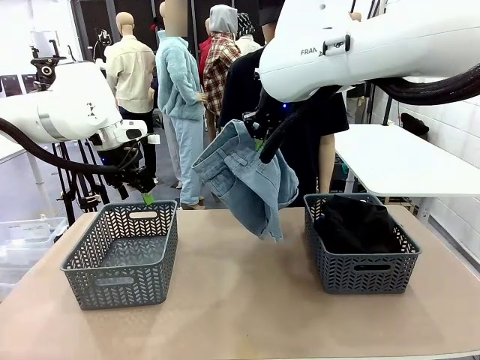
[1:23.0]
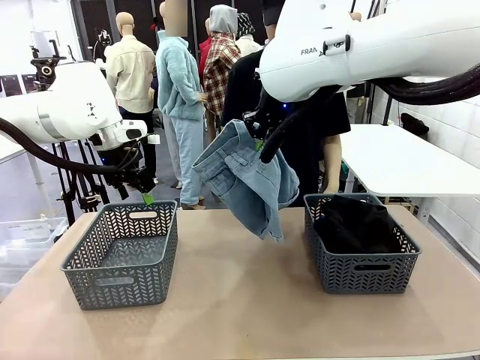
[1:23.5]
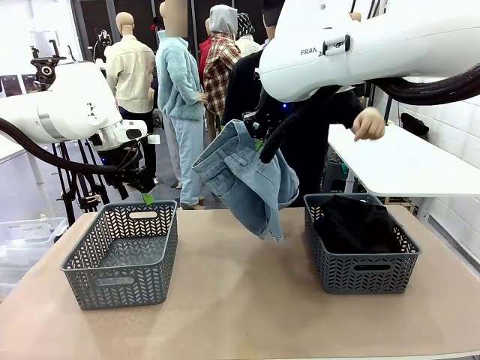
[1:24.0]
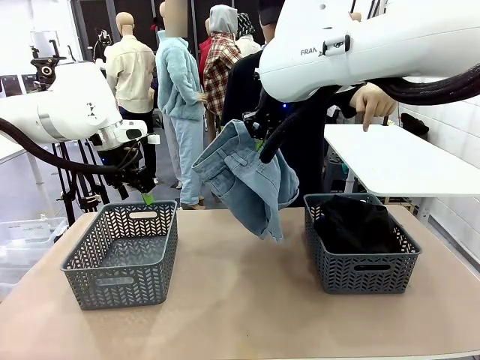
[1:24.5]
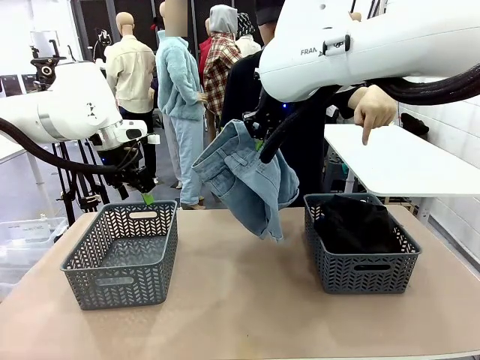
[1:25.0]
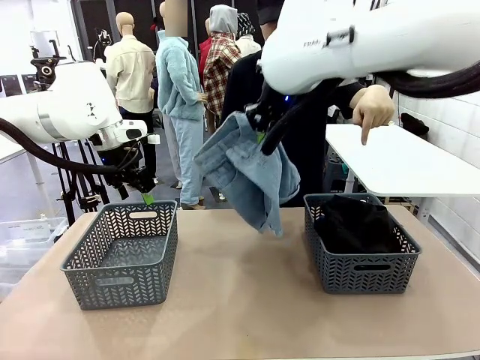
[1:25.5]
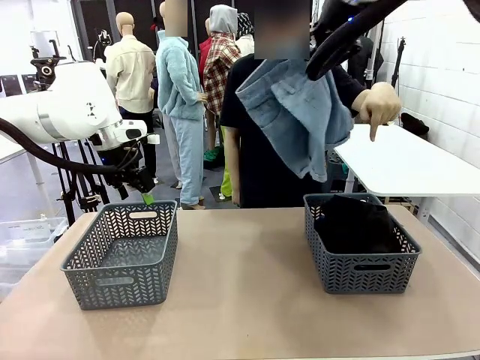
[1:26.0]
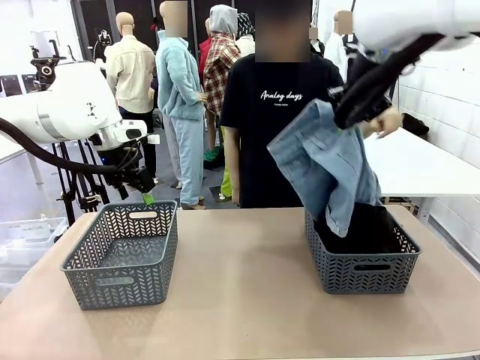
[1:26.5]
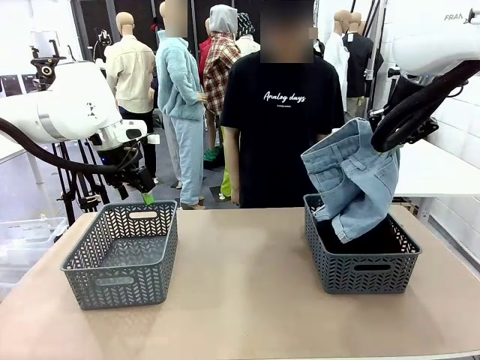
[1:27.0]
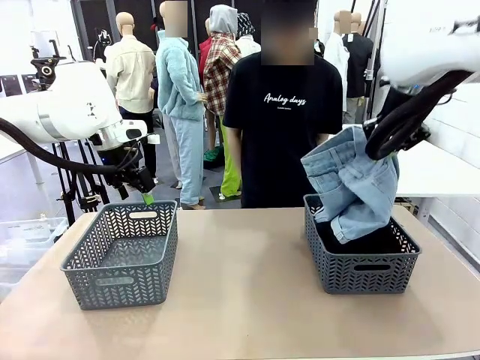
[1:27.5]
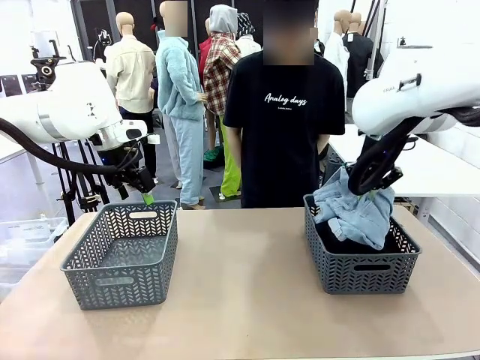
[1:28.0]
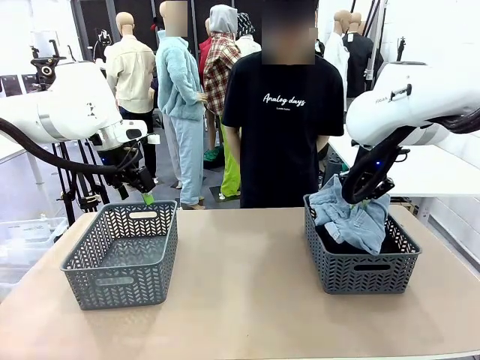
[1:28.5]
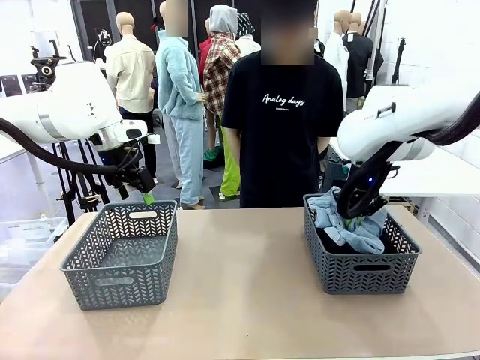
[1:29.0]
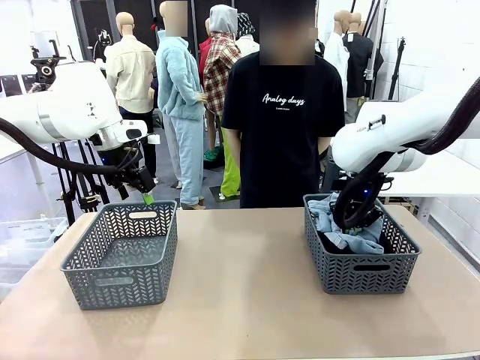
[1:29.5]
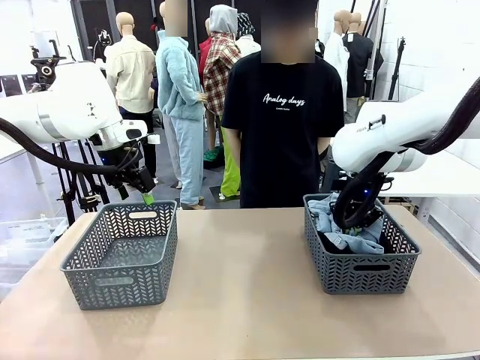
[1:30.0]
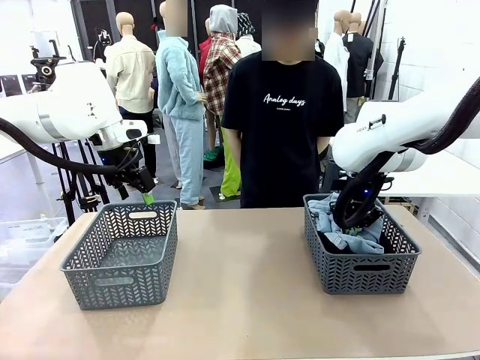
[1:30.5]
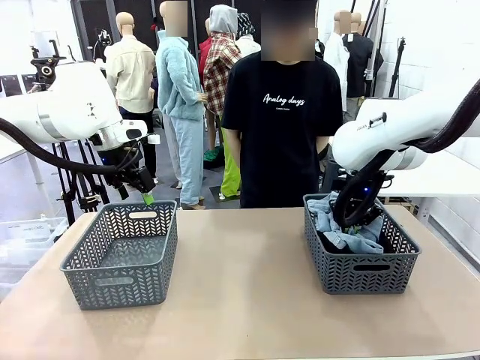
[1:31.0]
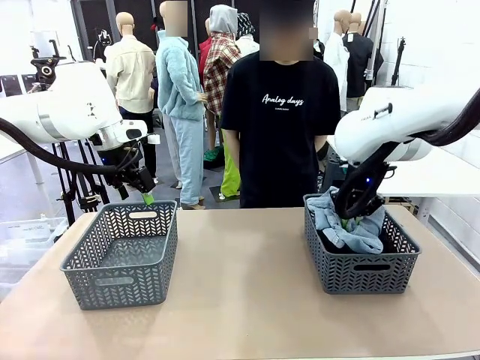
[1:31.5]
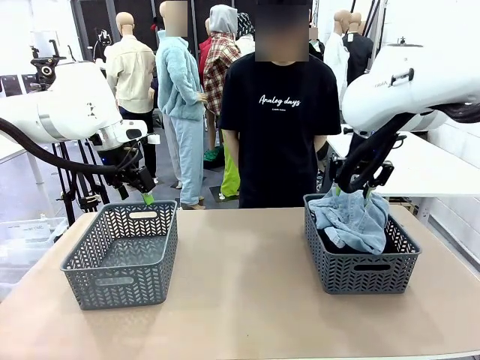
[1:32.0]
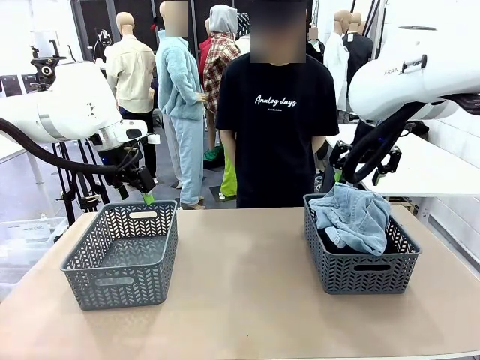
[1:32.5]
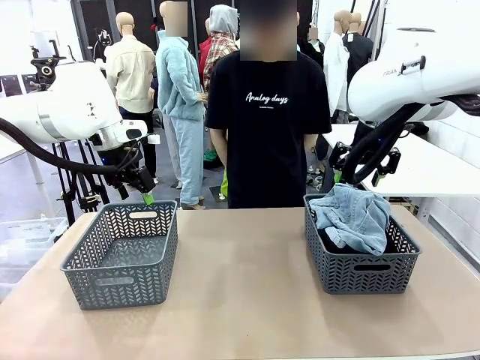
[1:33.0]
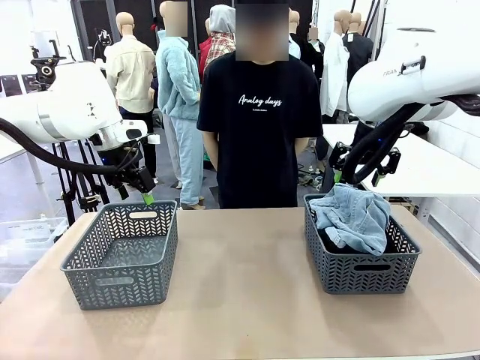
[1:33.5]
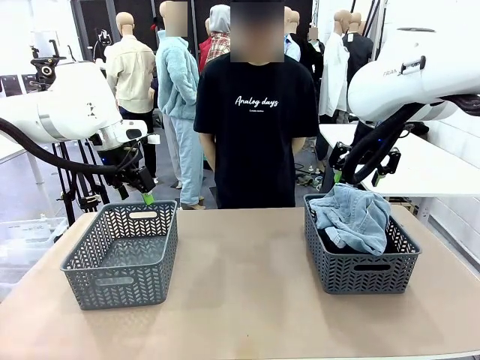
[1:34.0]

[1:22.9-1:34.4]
Task: Sort the tops and bottoms.
Robot: Sort the clothes according to human instructions.

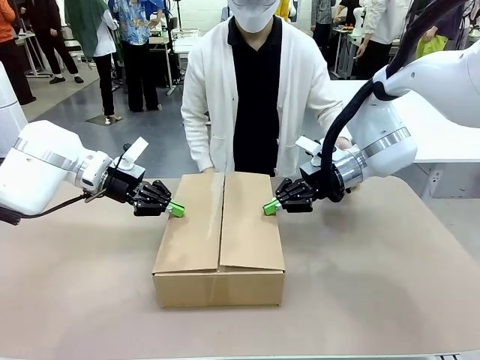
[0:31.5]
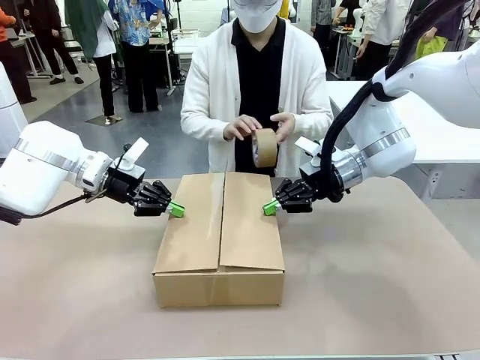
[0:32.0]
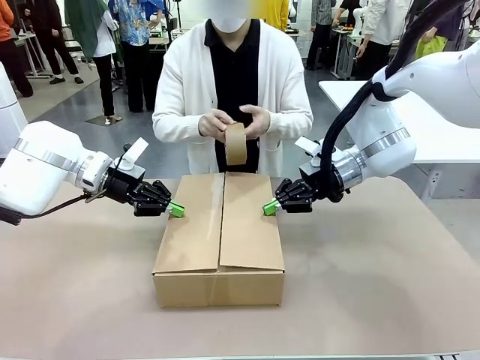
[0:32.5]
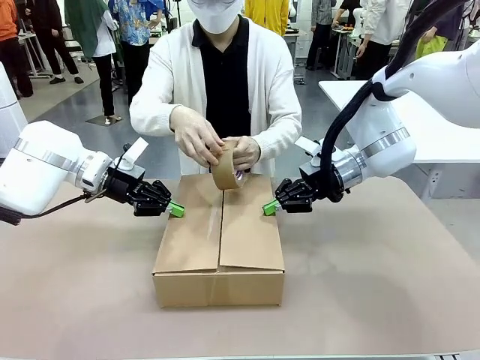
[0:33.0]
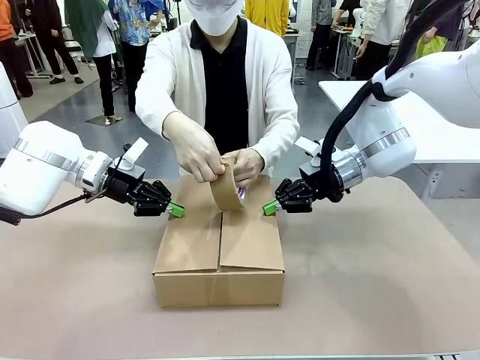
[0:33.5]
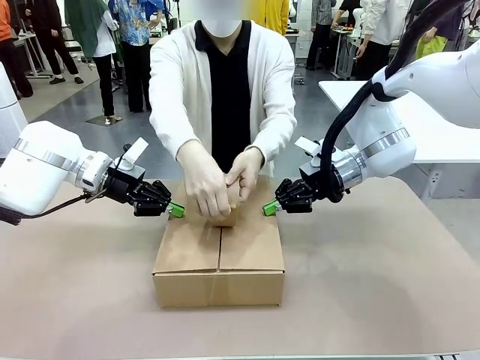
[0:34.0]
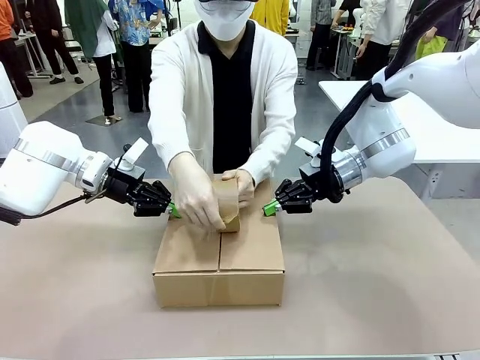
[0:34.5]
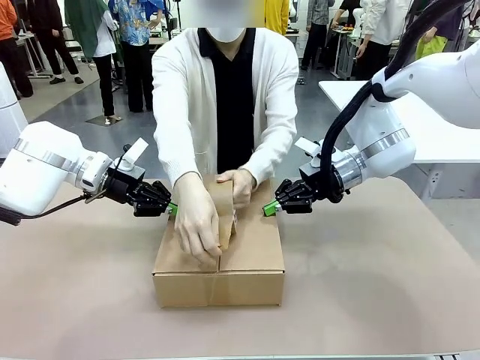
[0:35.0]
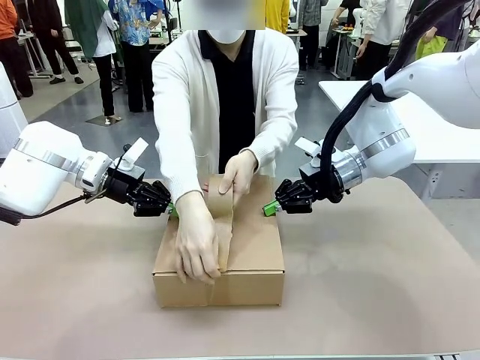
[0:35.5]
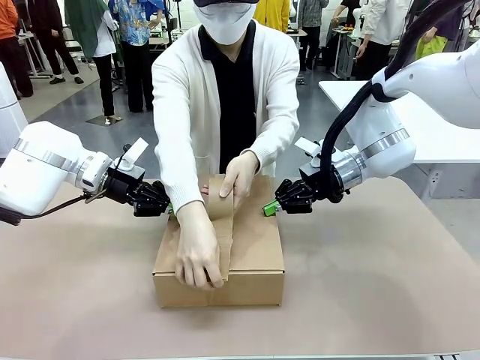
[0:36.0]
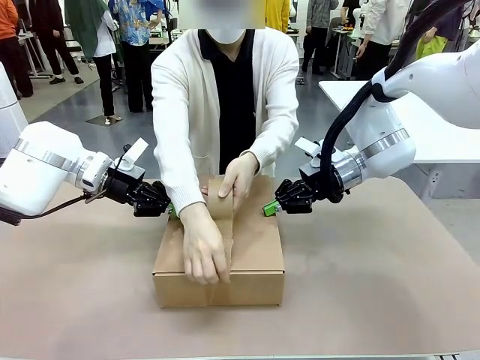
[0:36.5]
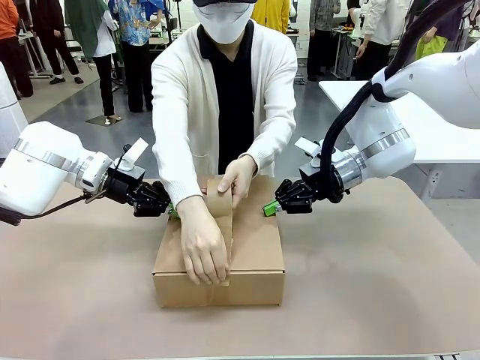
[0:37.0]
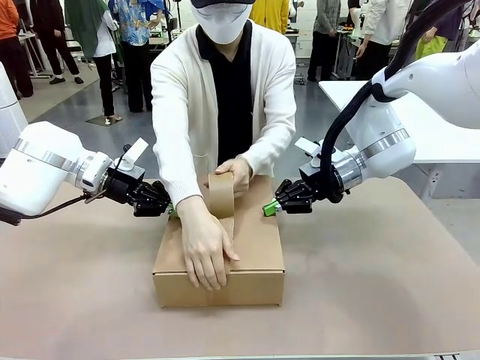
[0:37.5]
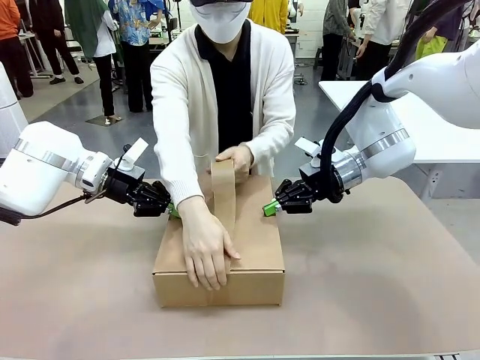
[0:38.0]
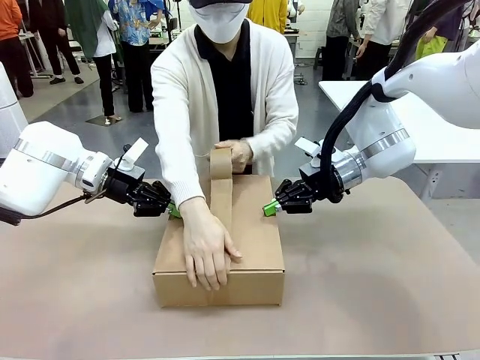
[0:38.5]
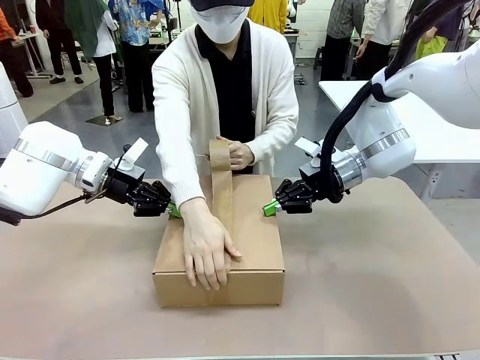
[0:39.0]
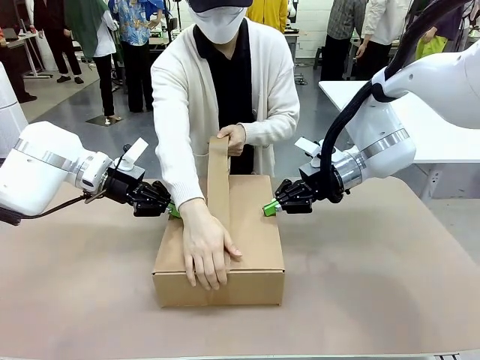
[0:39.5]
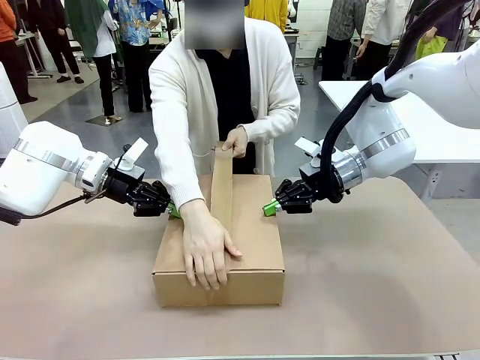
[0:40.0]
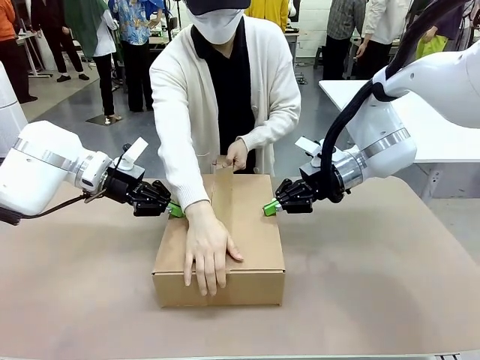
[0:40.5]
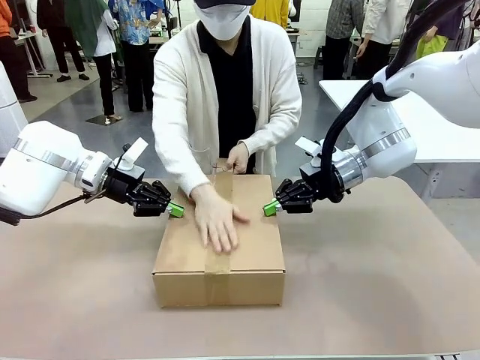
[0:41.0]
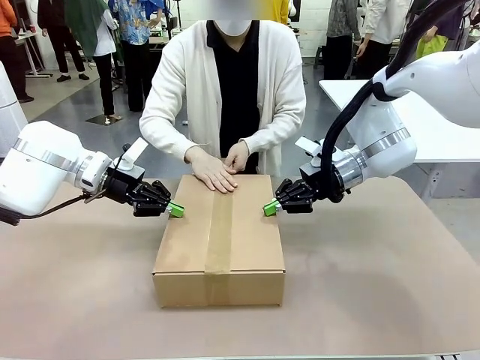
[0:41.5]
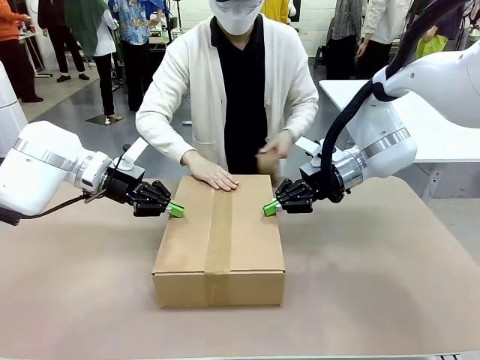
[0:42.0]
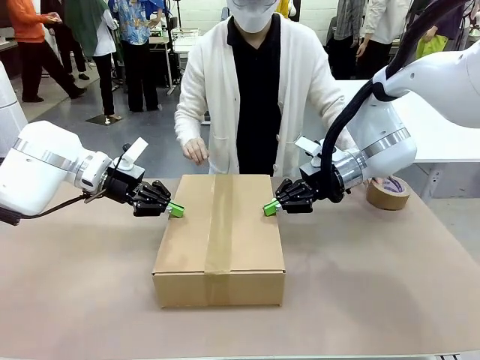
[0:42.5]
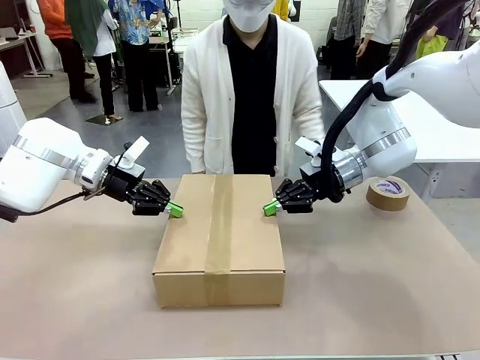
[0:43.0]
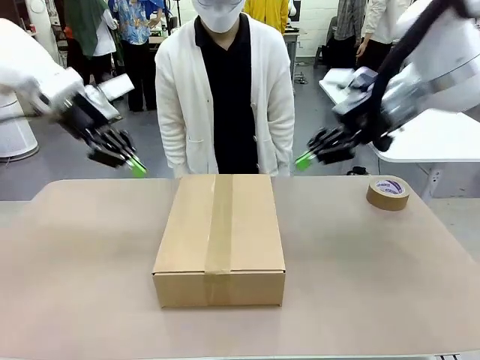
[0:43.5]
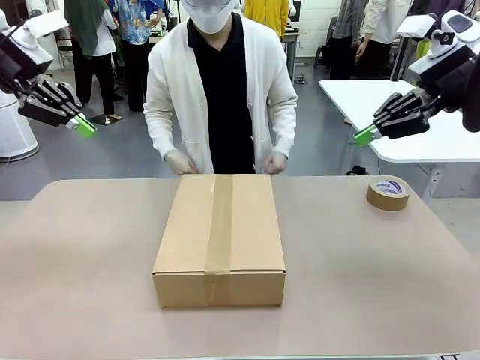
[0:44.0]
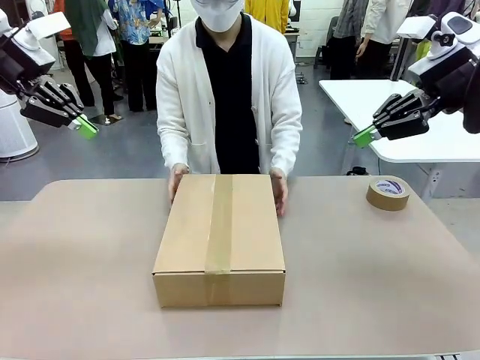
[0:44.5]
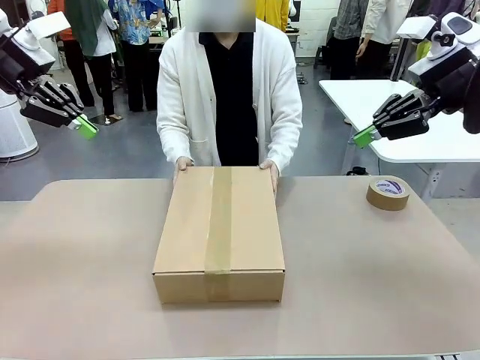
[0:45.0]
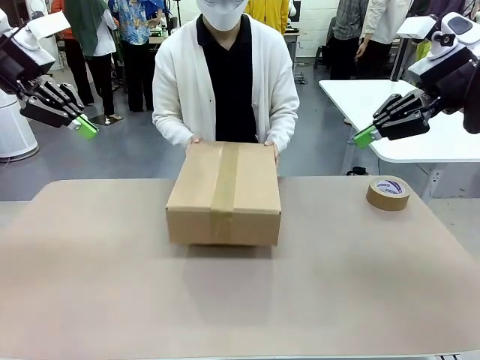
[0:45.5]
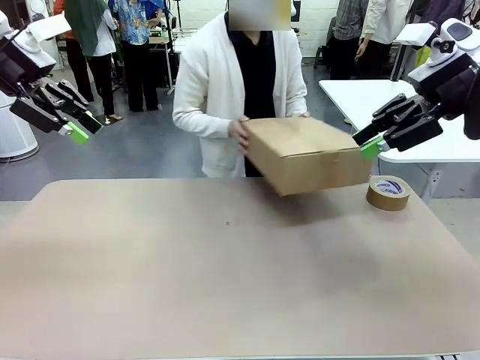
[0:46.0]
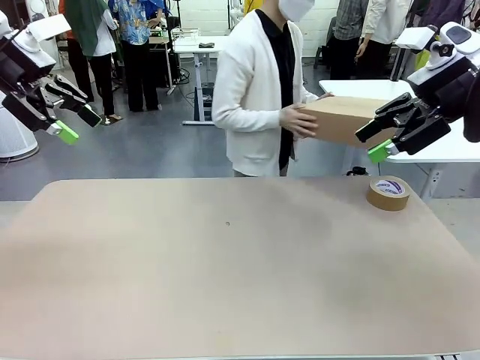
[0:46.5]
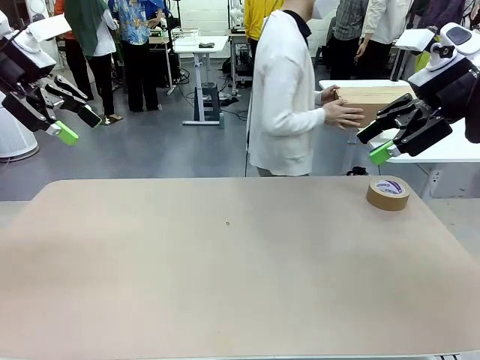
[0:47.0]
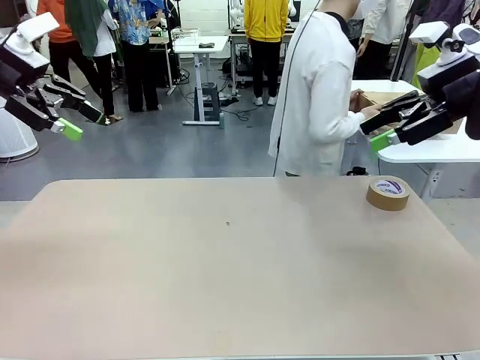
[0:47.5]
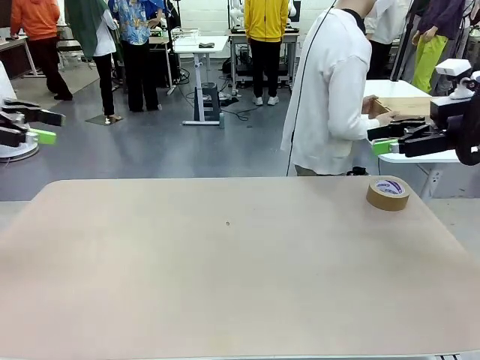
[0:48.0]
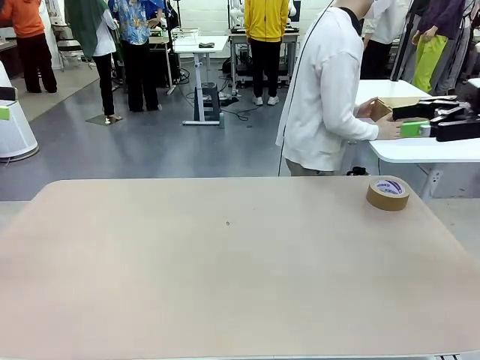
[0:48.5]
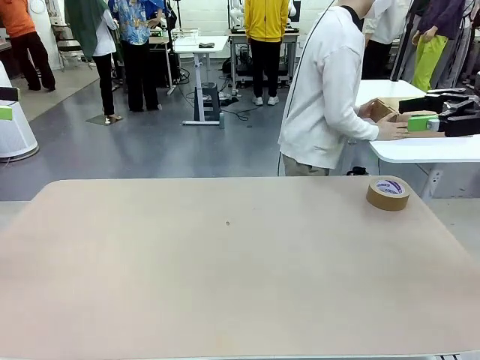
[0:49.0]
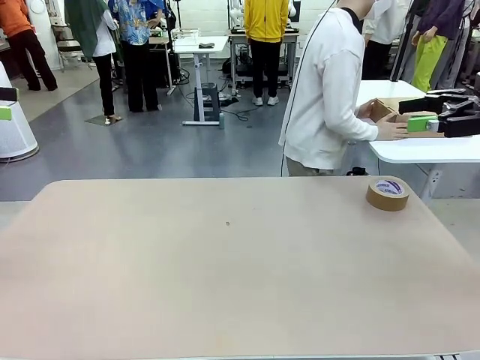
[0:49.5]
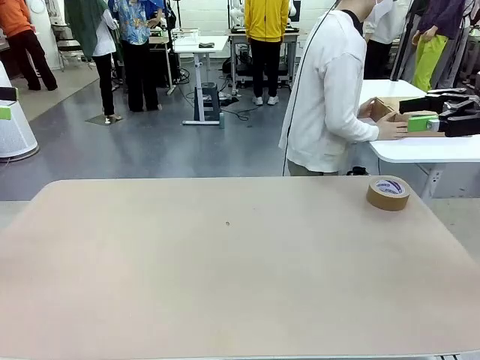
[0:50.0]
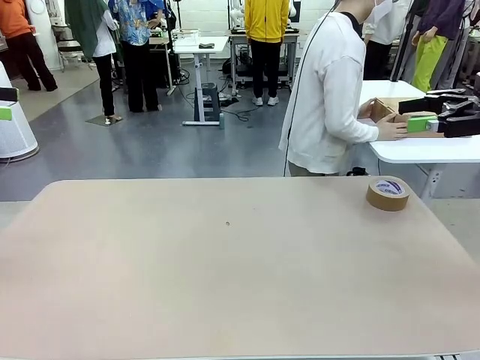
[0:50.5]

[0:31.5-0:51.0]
Task: Wrap the clocks to prevent damage.
Robot: After the human seals the box with tape, release both hands from the side flaps of the Package Box.
Person: Once the robot closes the left flap of the Package Box , seal the box with Paper Tape. Place sealed Package Box in the middle of the human's table.
